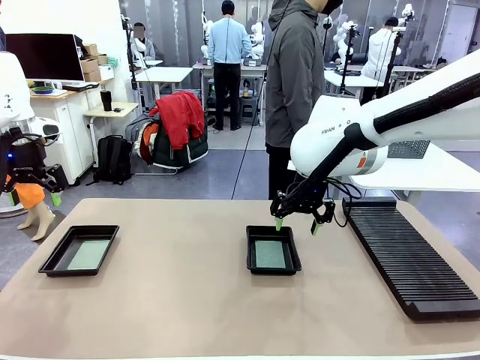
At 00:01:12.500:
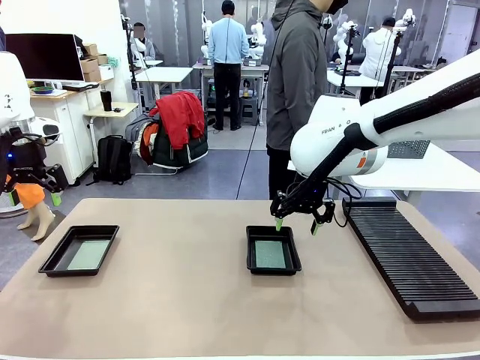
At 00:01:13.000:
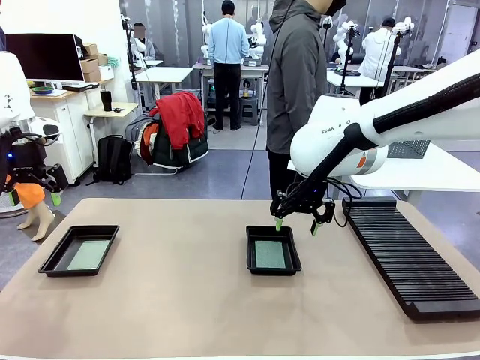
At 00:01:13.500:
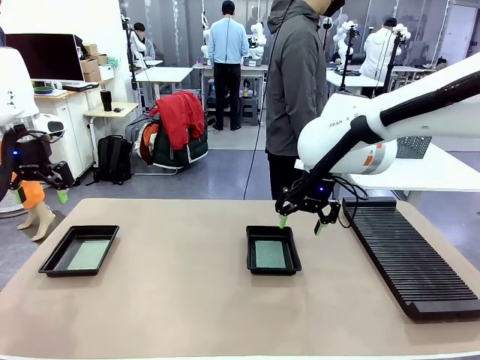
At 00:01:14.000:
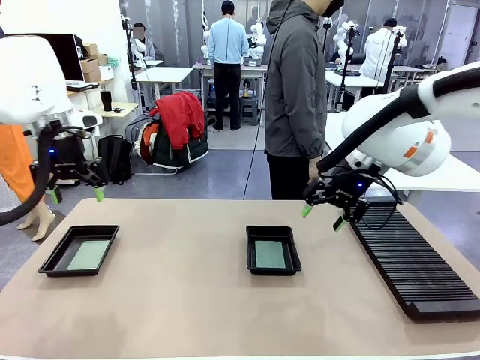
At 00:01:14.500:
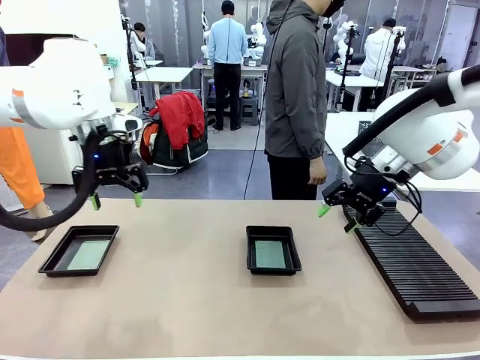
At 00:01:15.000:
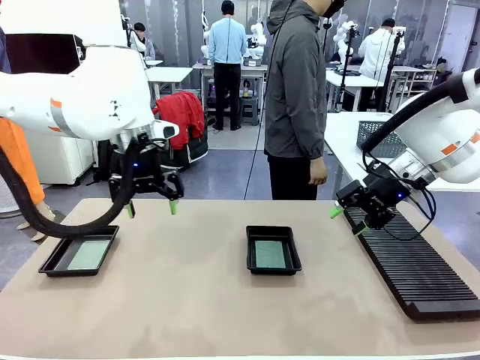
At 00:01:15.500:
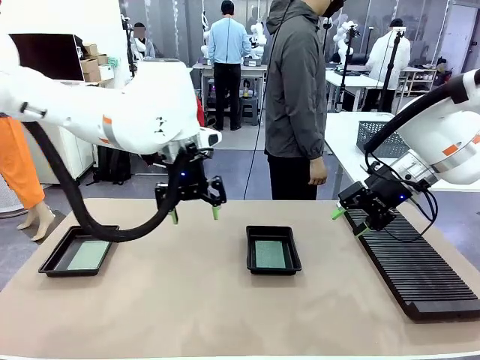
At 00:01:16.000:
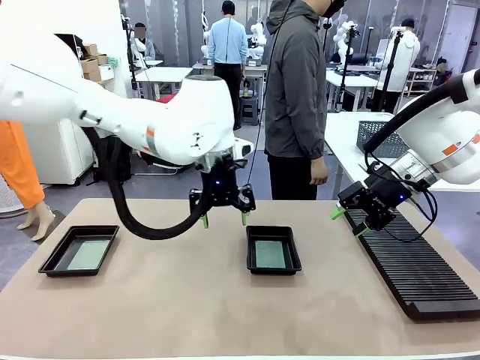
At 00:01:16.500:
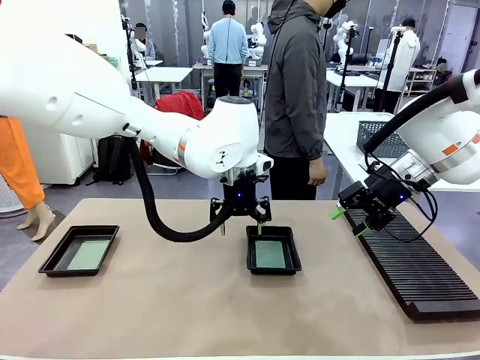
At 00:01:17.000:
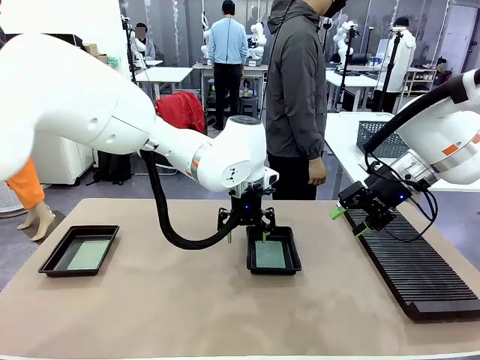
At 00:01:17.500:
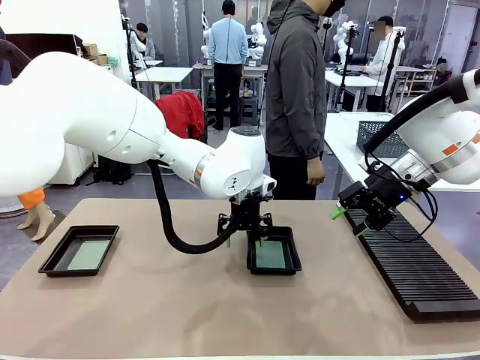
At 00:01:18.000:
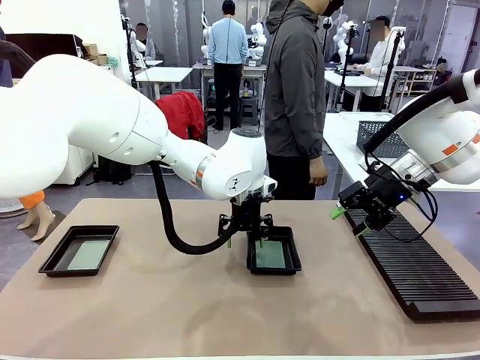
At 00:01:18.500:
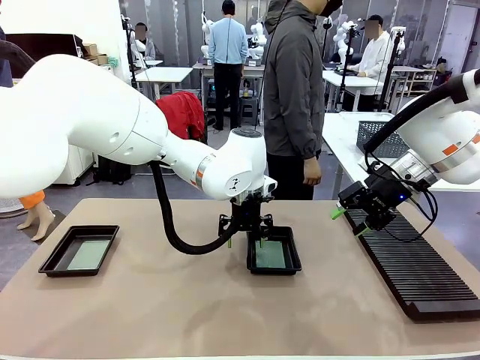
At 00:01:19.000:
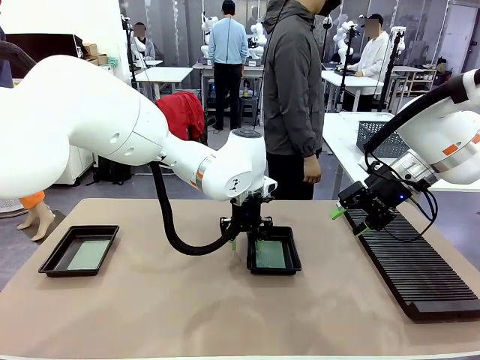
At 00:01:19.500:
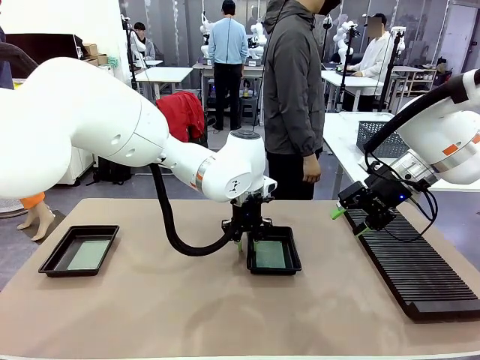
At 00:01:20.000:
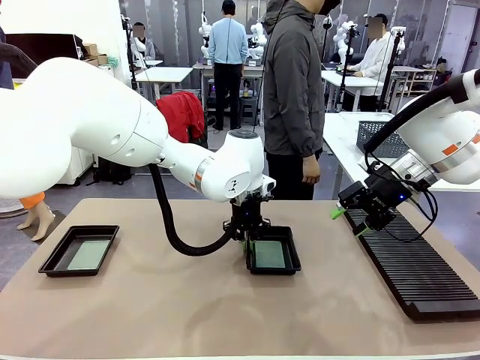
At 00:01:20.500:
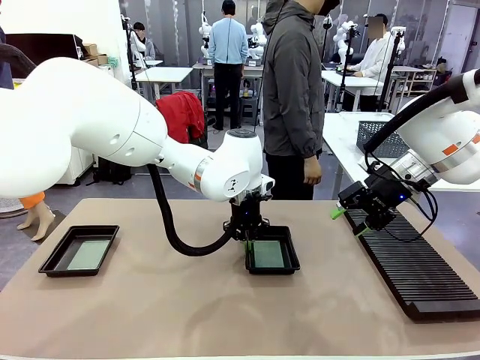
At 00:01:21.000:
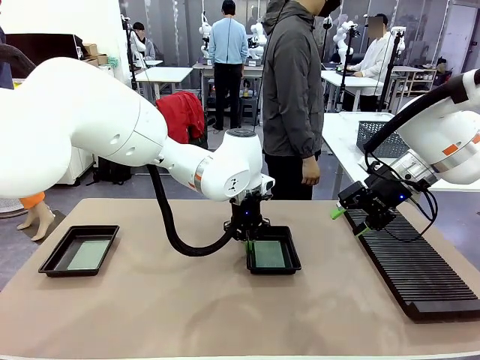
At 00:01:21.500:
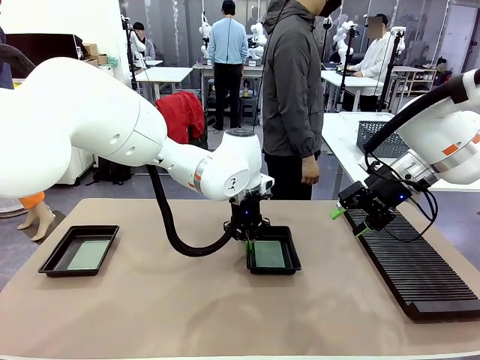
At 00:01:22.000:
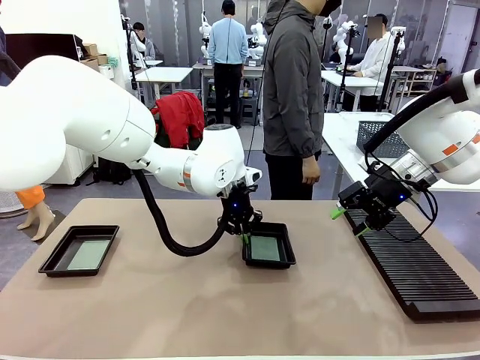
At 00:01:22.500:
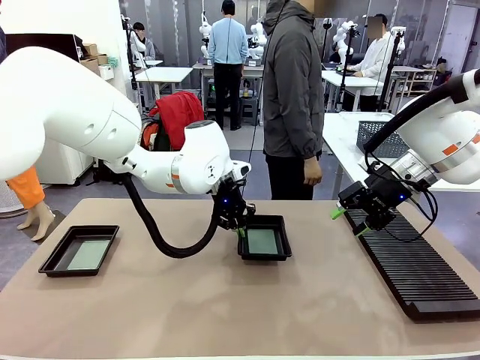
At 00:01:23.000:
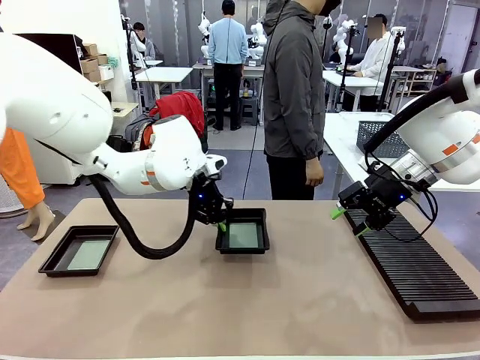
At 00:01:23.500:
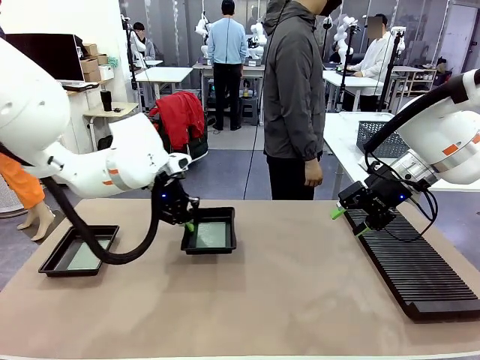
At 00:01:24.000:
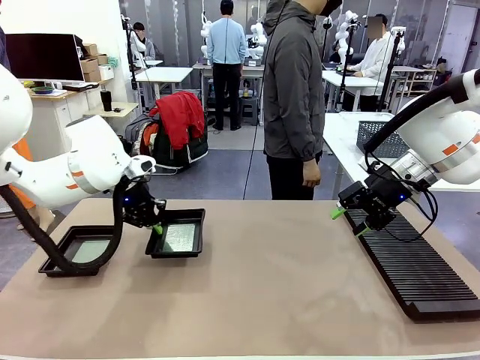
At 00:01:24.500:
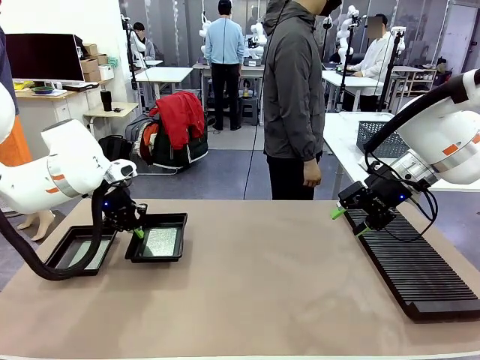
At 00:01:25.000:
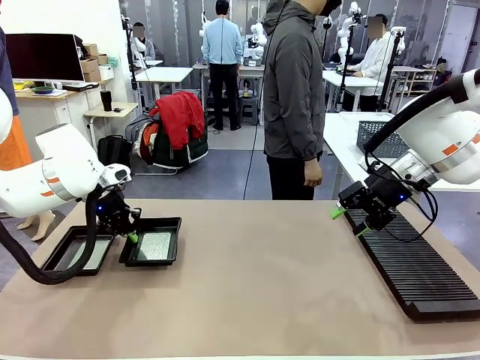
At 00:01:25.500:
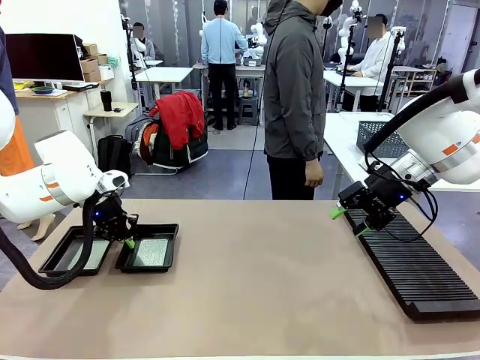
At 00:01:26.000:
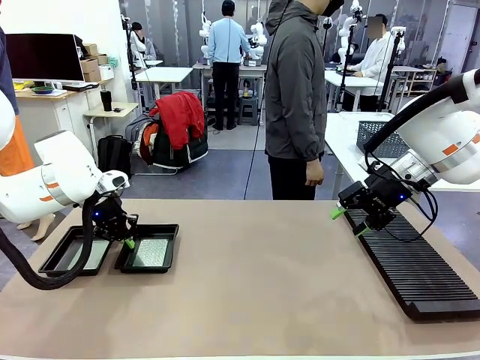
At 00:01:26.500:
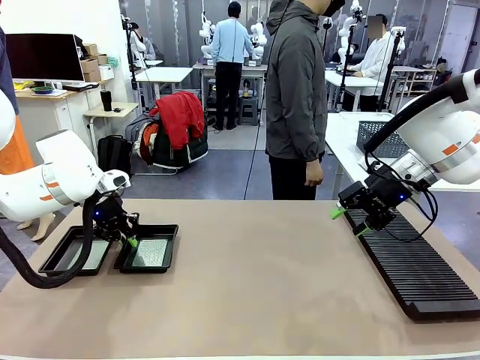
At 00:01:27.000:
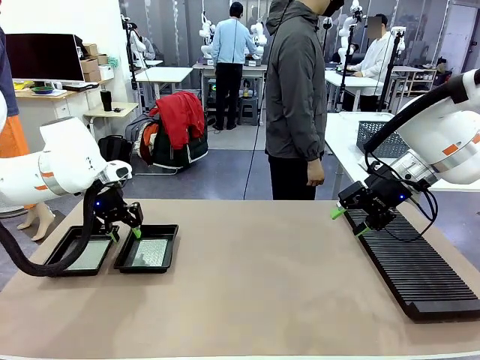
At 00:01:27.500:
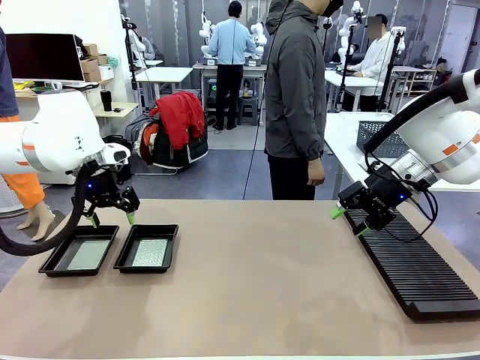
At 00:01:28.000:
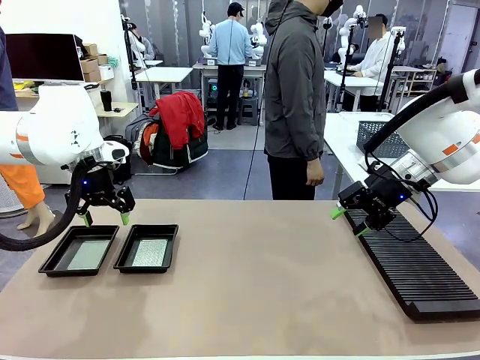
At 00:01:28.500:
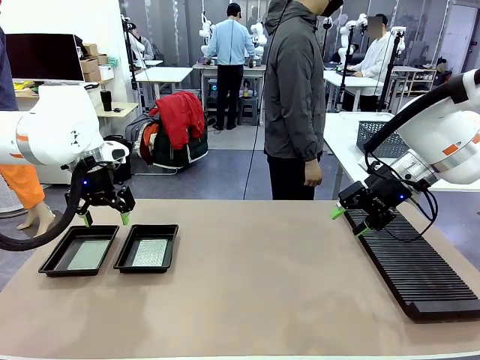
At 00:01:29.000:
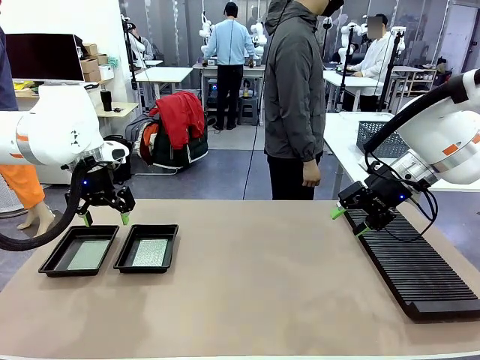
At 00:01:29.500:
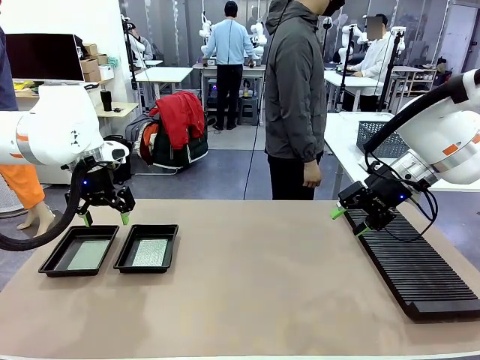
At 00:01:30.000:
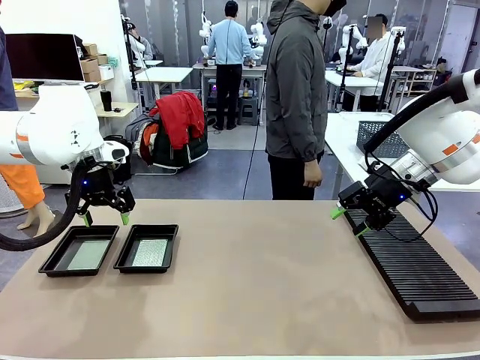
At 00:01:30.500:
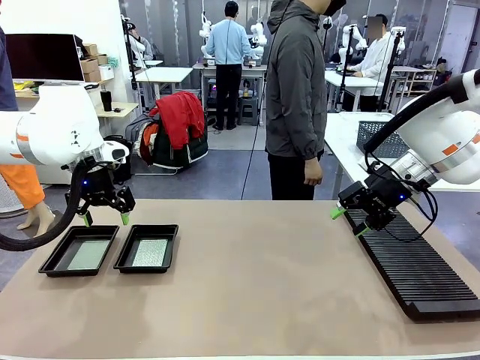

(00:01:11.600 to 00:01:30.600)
Task: Inspect and transfer BCBs to ESD trays.
Robot: Pick up the ESD tray and place it on the left side of the table.
